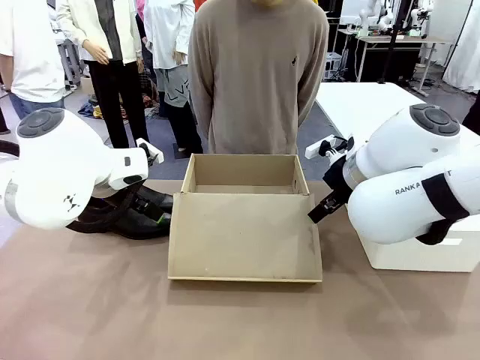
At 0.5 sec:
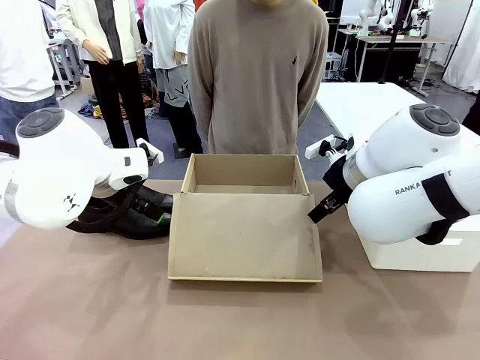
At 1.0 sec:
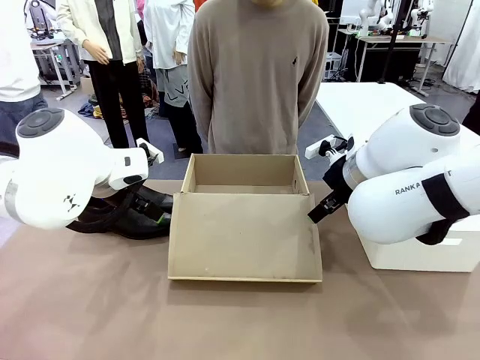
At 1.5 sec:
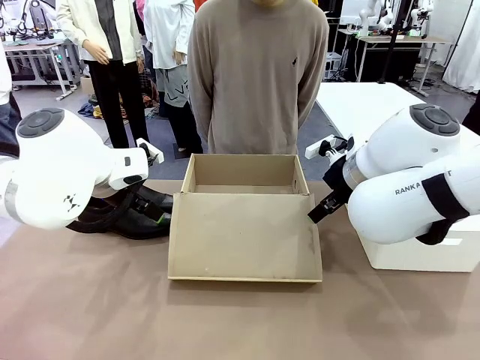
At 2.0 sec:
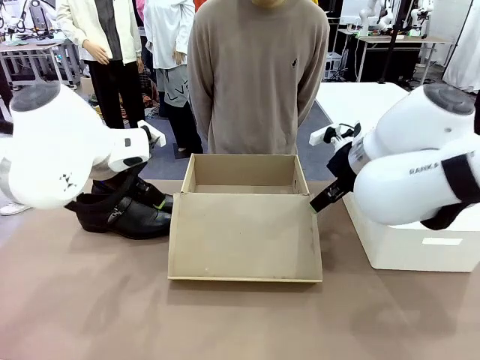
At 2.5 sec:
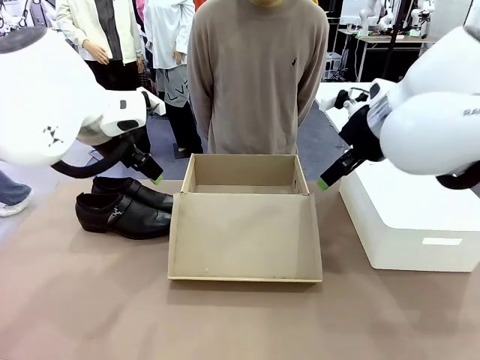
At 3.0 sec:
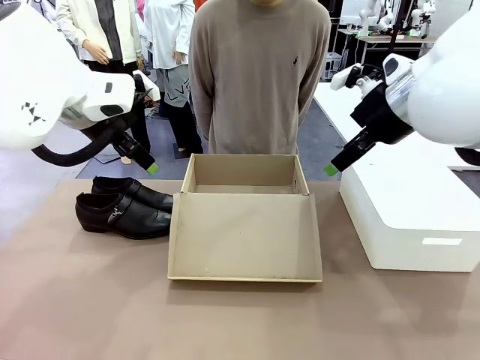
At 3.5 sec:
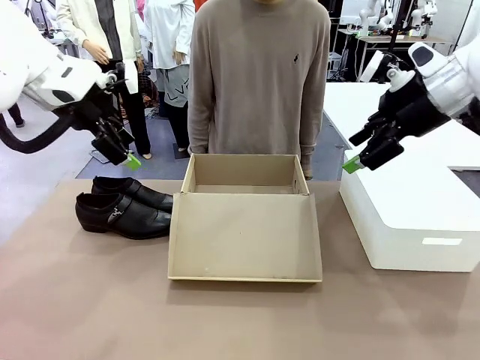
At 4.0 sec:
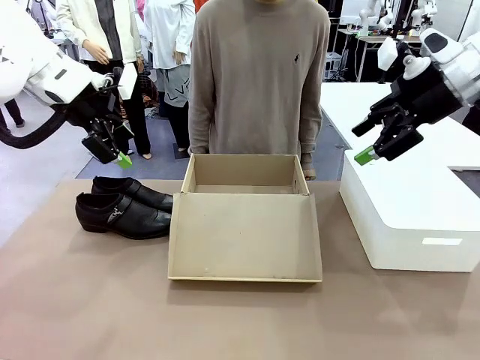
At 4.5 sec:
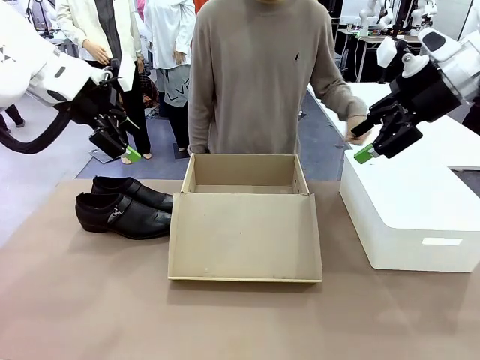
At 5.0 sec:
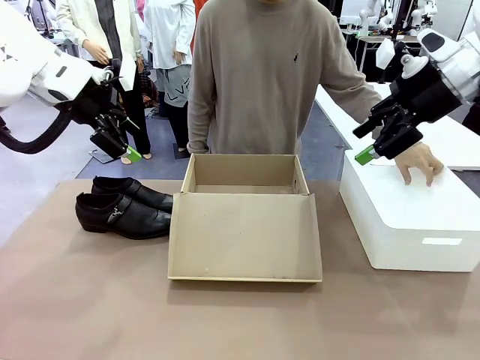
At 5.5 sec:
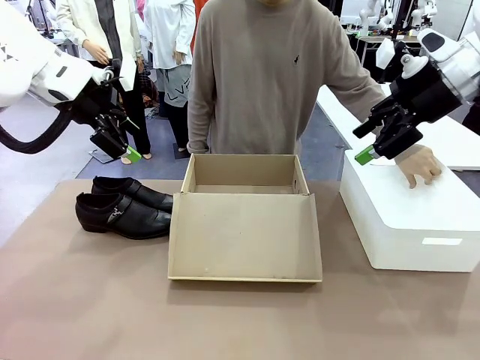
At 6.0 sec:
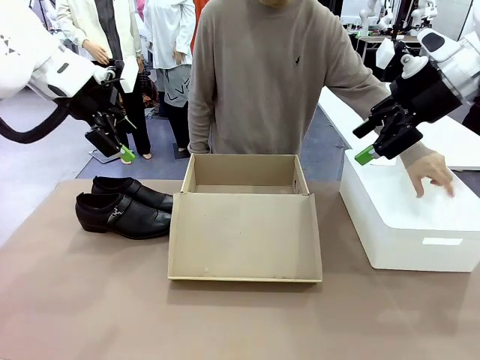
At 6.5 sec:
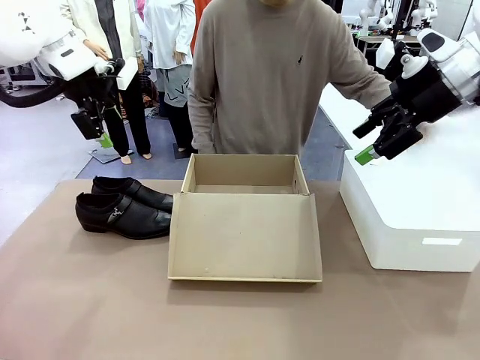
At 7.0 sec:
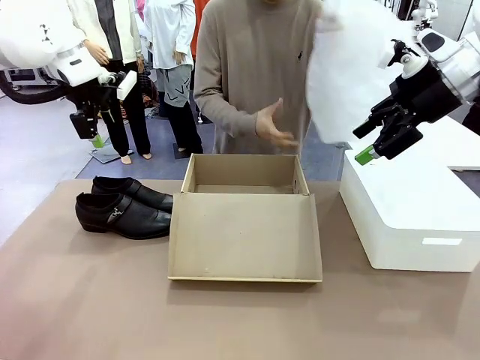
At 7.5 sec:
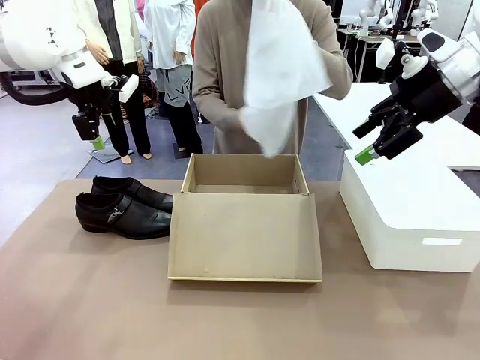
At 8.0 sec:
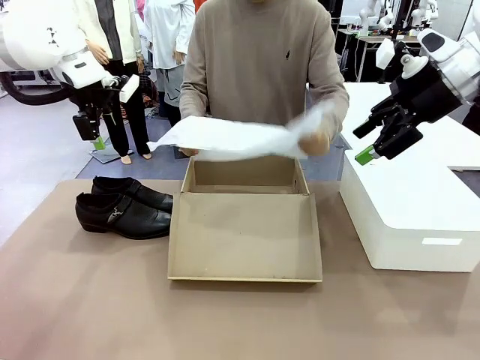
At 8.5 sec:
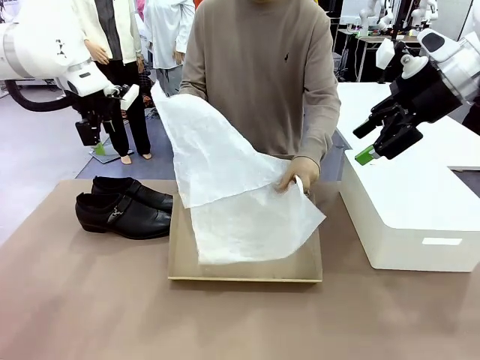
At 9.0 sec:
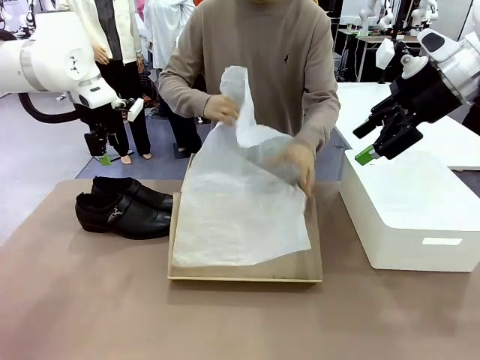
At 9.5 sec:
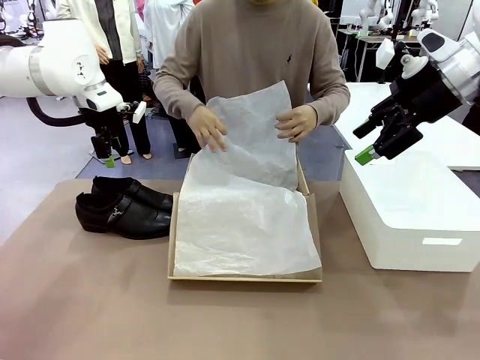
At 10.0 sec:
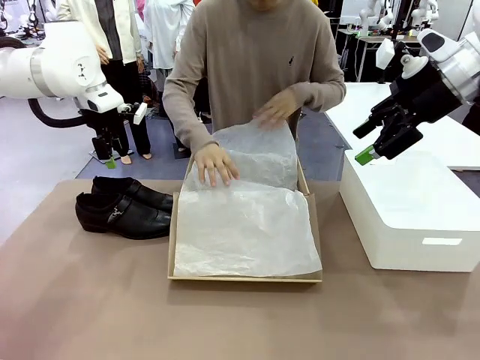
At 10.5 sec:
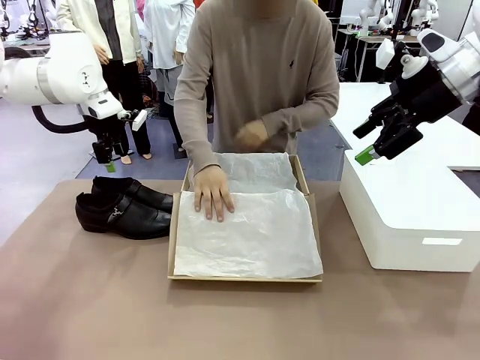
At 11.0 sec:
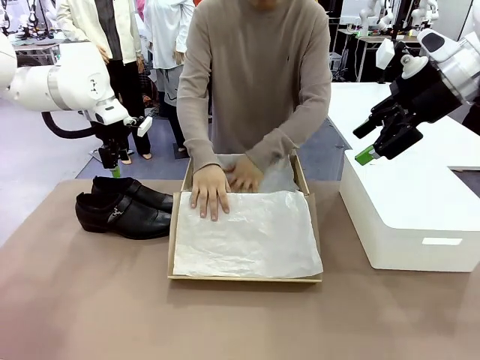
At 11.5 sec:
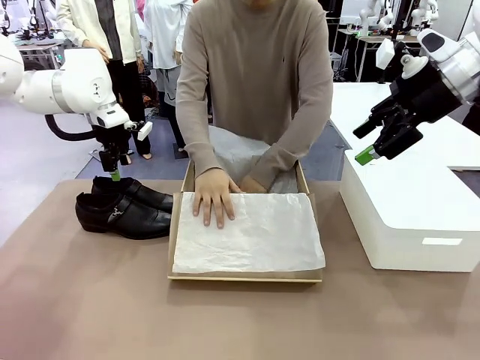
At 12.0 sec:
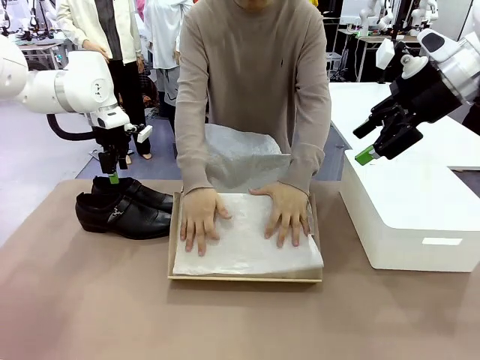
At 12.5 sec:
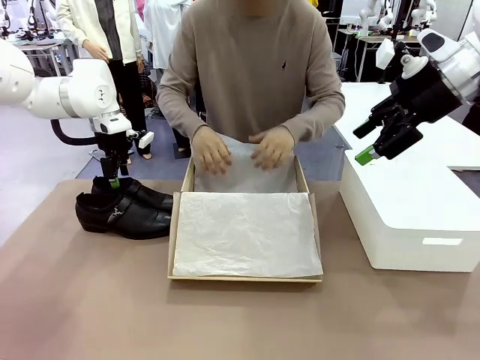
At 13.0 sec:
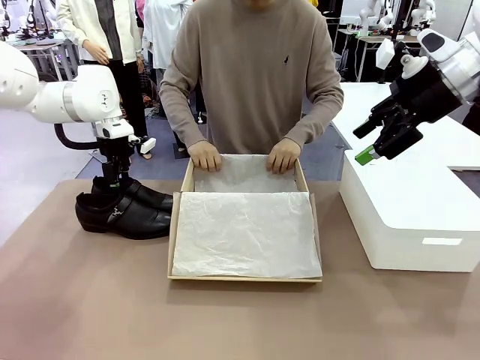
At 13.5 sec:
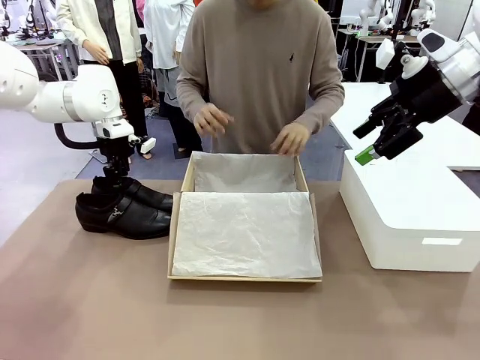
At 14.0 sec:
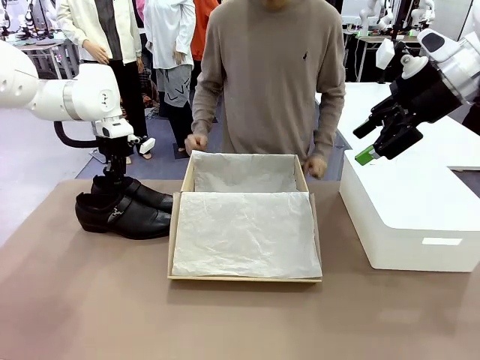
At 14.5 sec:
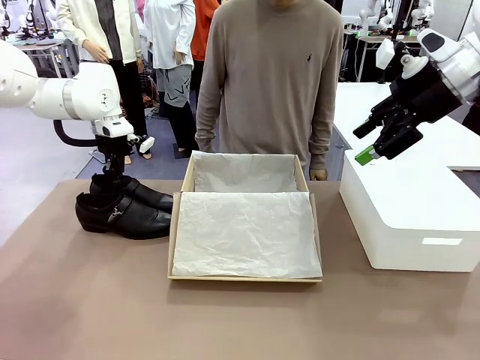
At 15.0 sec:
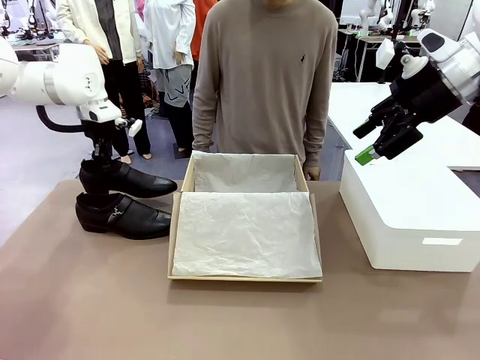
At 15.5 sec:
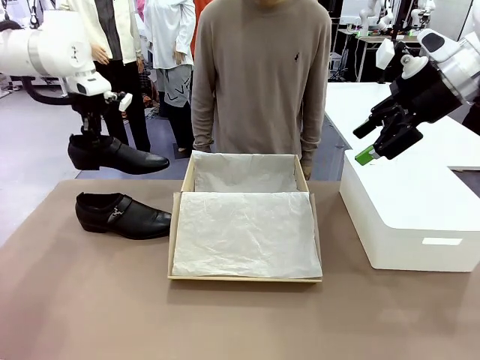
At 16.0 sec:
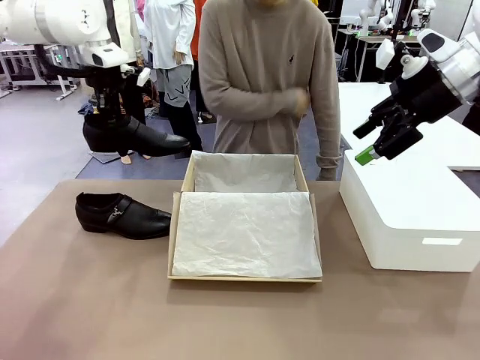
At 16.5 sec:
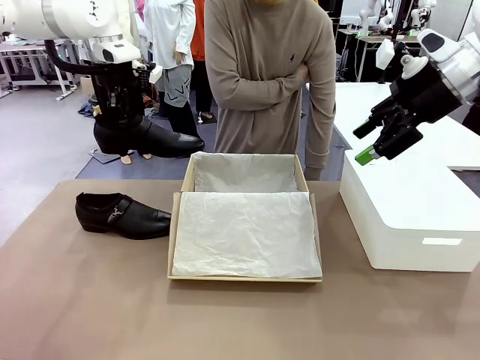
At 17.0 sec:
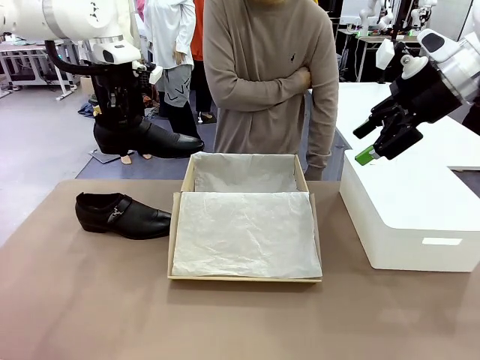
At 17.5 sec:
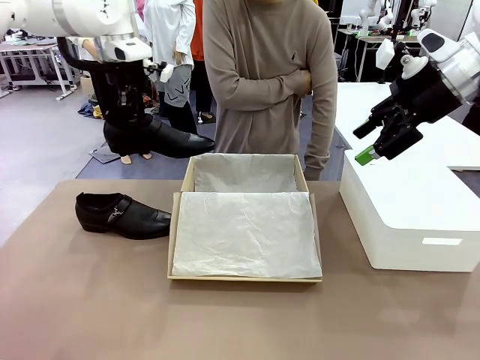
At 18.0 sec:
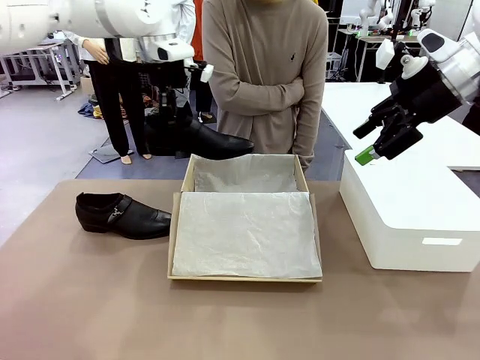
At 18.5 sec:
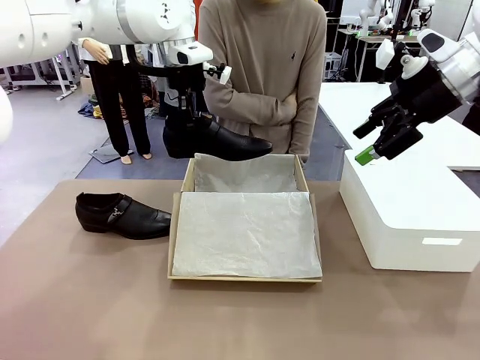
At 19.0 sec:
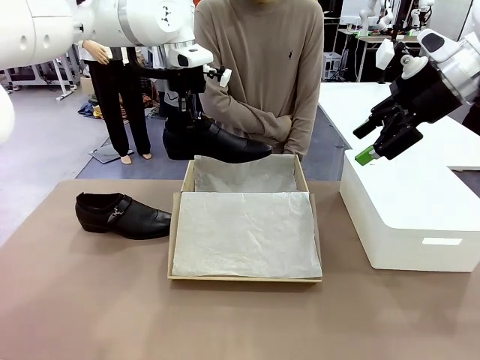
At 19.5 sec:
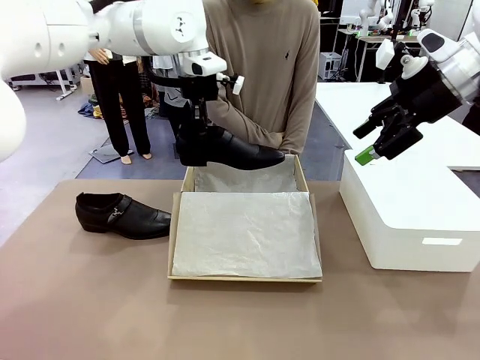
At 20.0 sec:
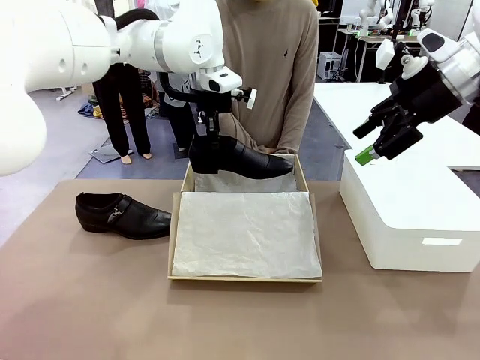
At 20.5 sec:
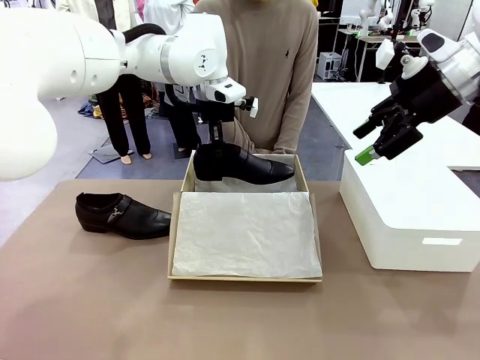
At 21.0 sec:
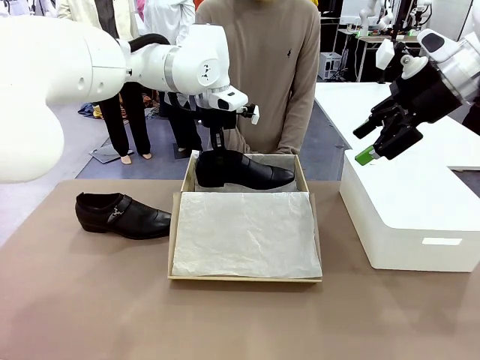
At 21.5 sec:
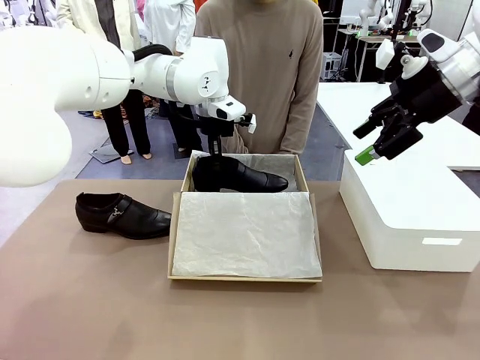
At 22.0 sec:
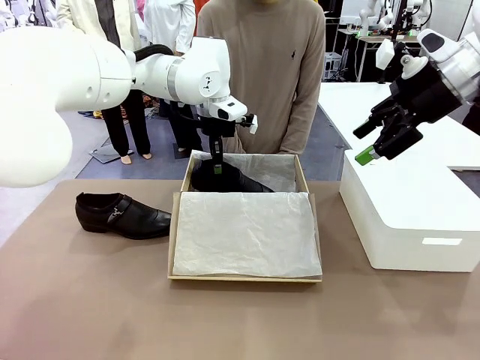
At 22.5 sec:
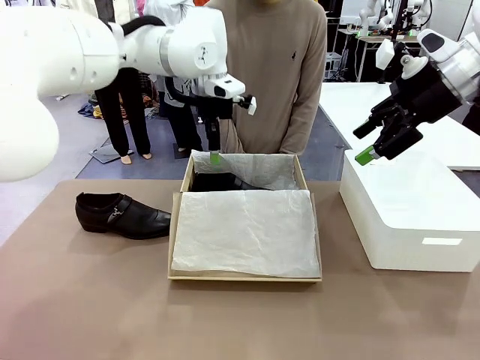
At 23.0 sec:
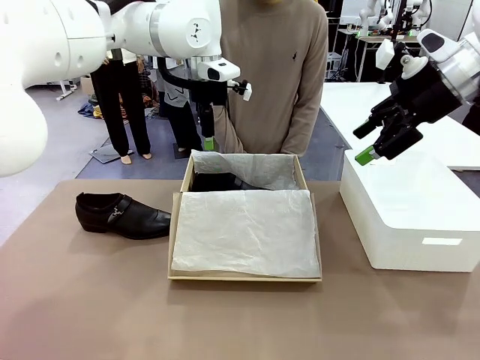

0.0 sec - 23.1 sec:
Task: Pack the shoes into the box.
Robot: Place one shoe of the Shoes into the Shoes Box.
Person: Spread Shoes Wrapping Paper and place inside the Shoes Box.
